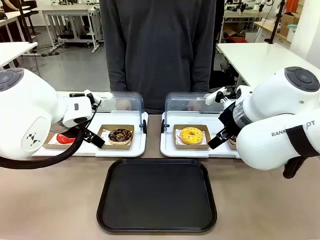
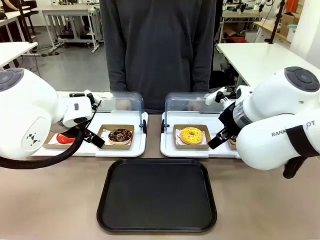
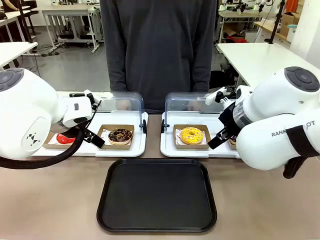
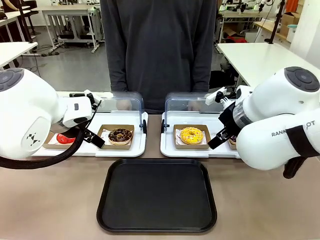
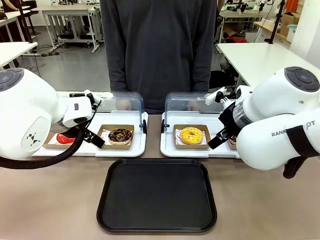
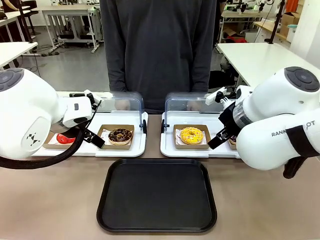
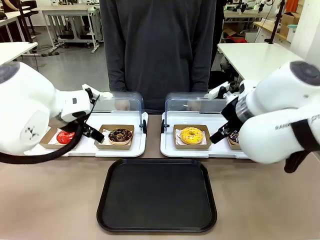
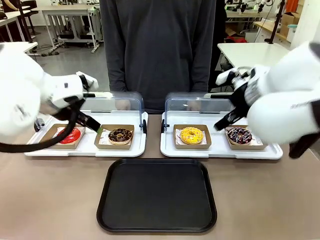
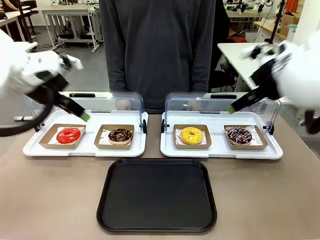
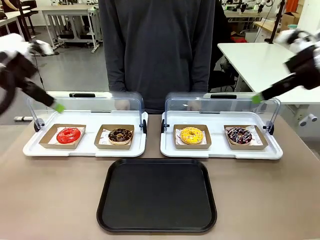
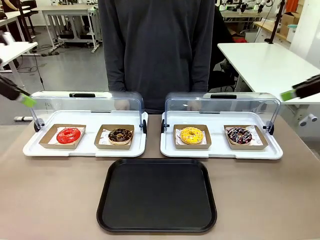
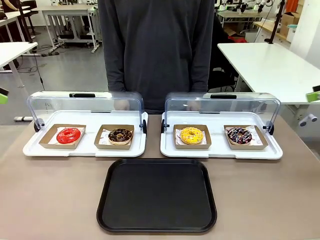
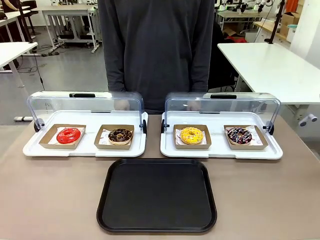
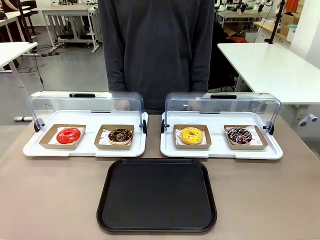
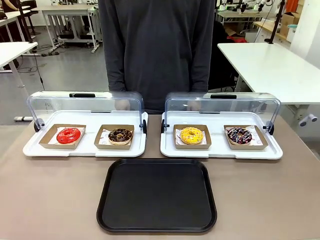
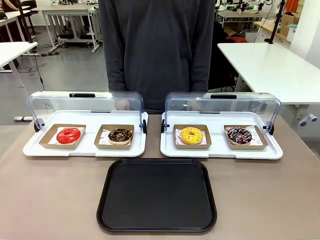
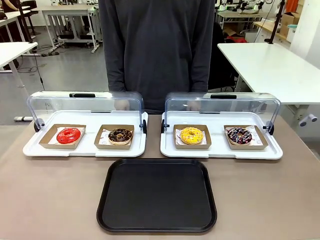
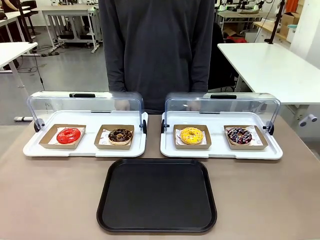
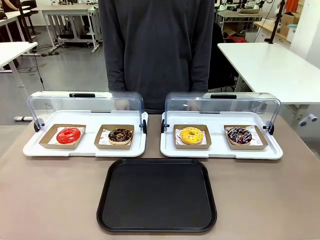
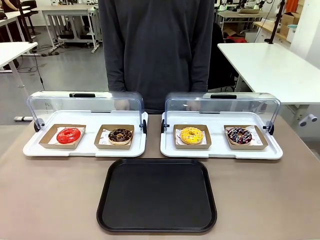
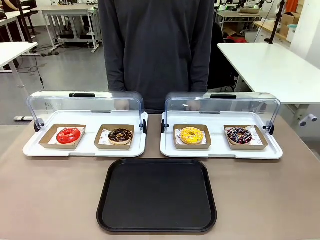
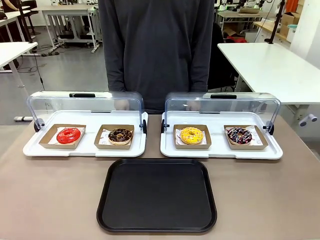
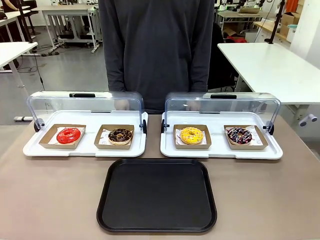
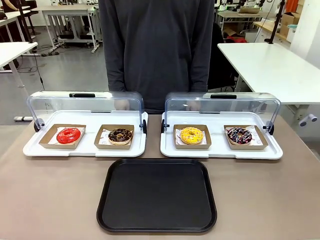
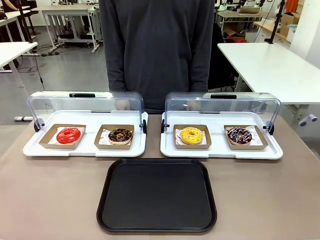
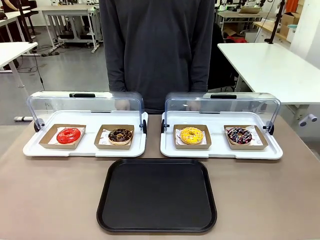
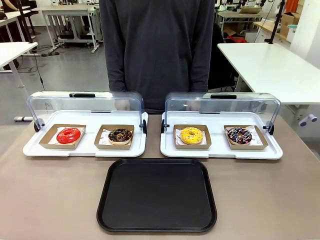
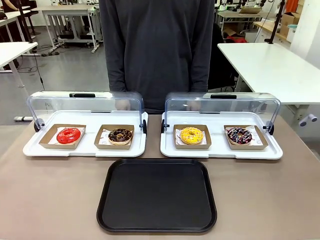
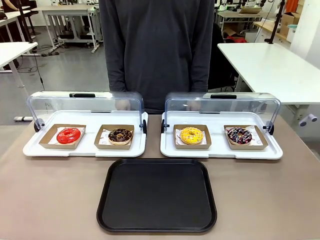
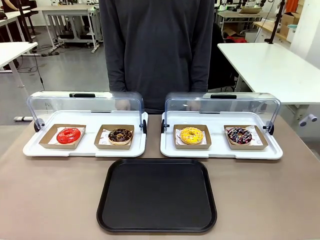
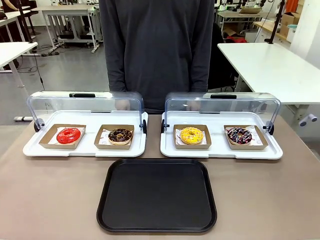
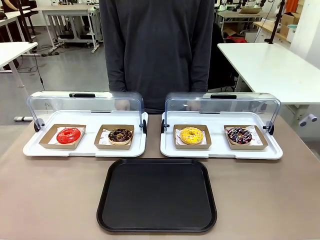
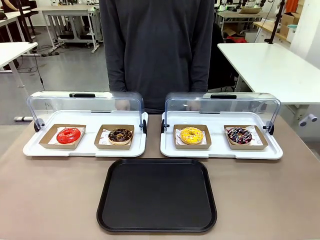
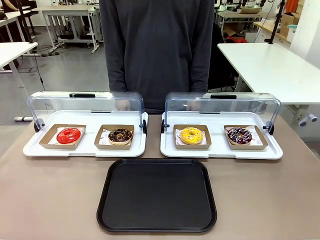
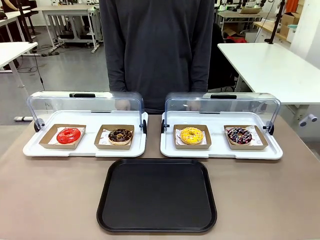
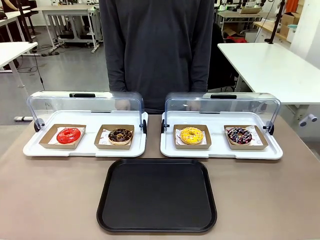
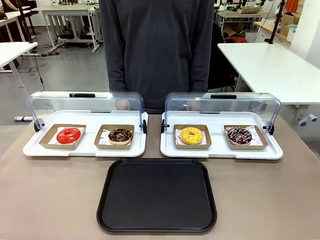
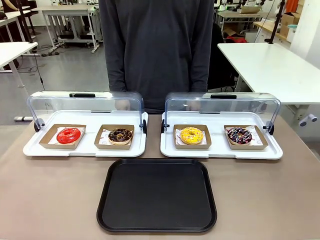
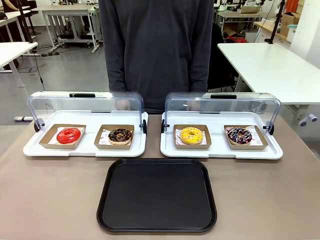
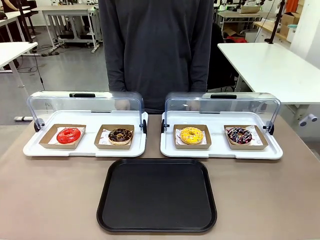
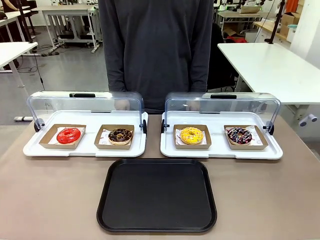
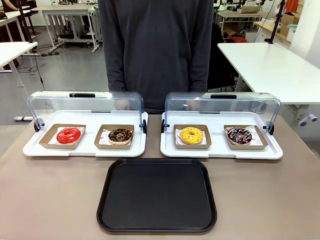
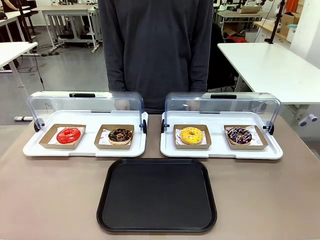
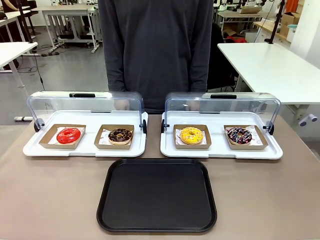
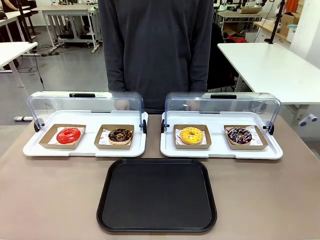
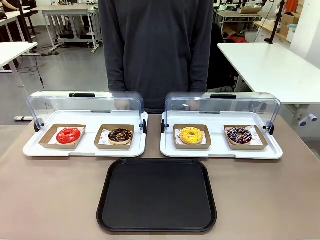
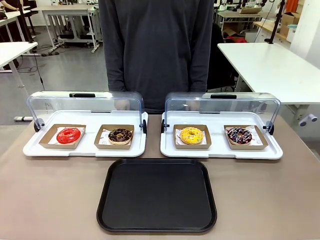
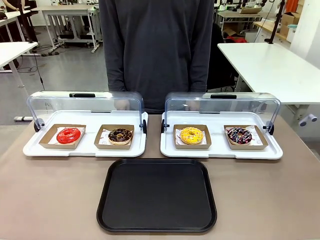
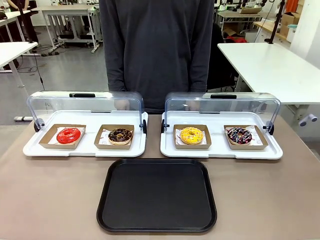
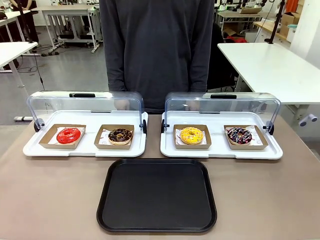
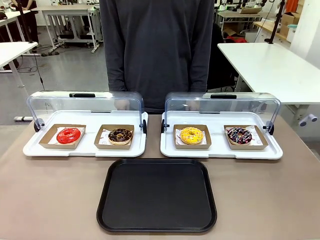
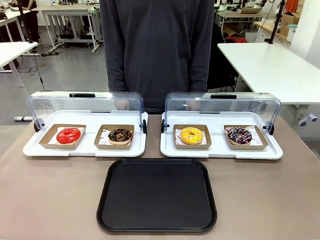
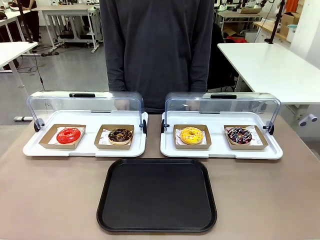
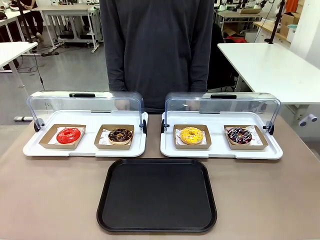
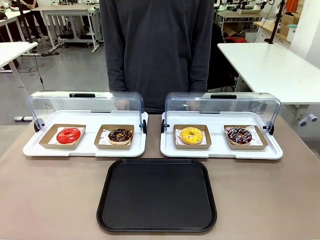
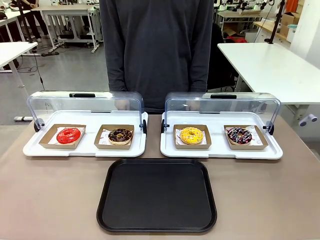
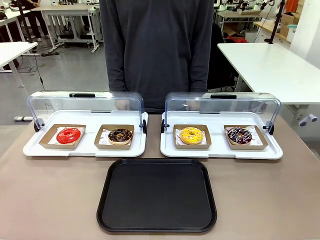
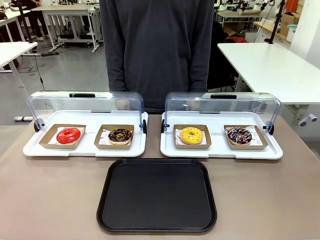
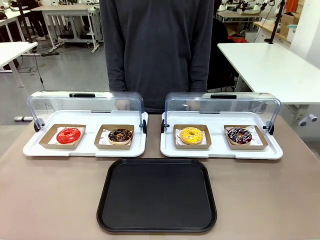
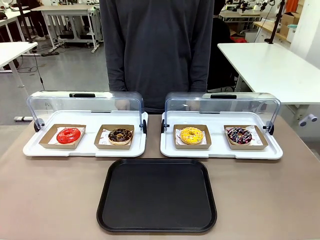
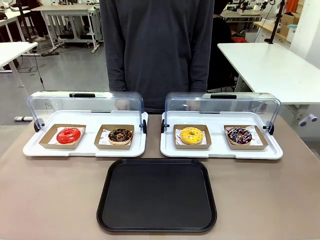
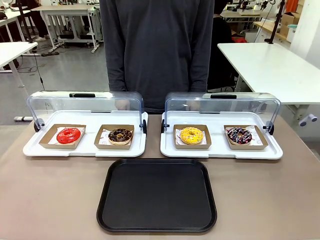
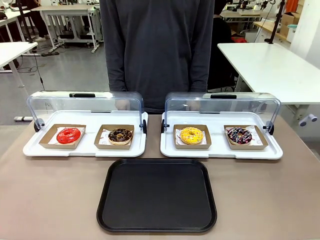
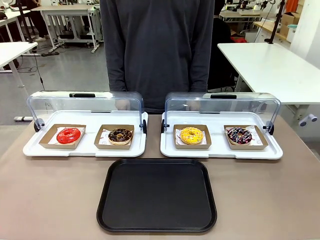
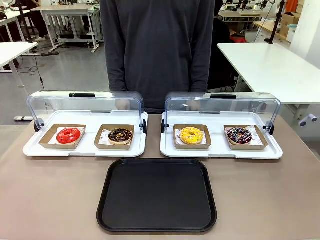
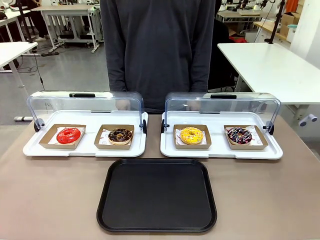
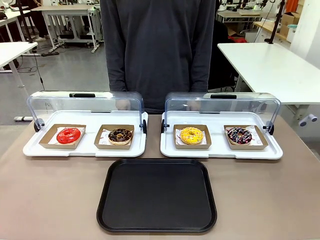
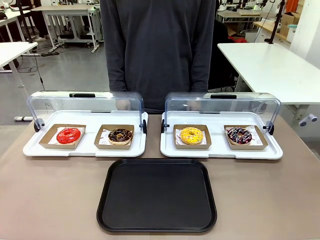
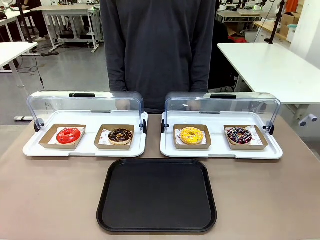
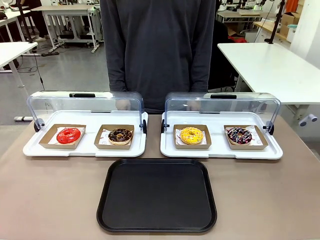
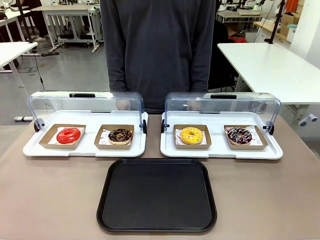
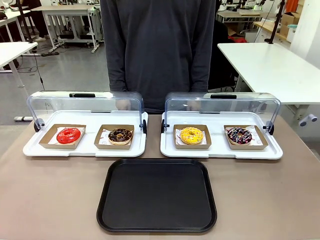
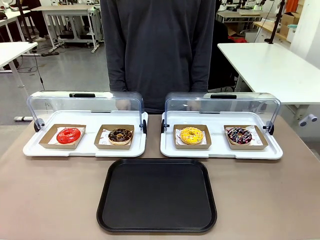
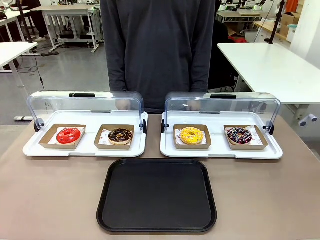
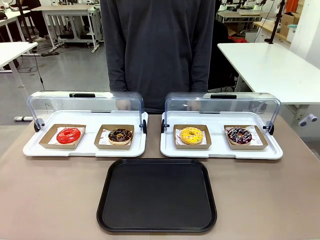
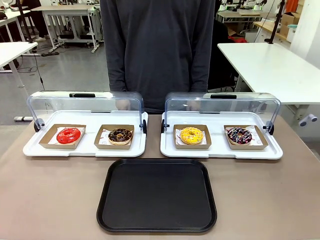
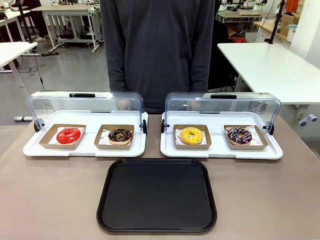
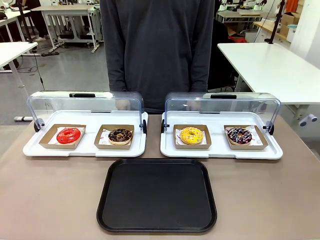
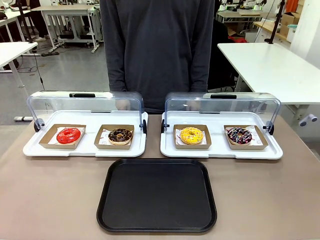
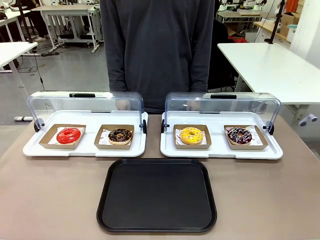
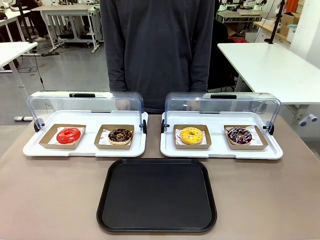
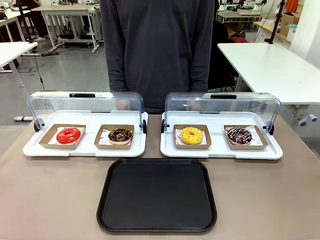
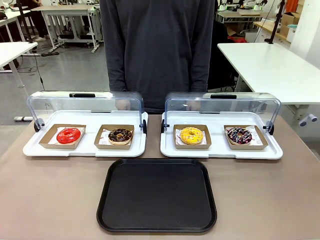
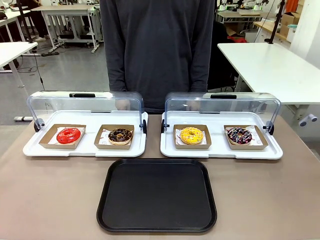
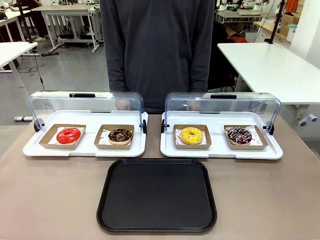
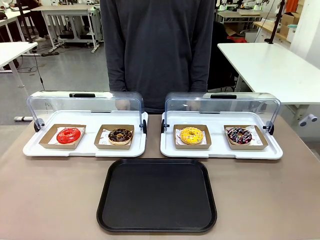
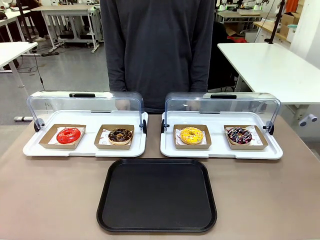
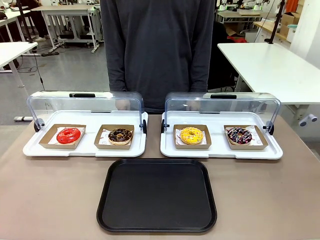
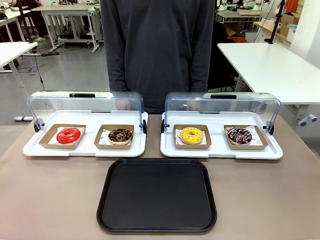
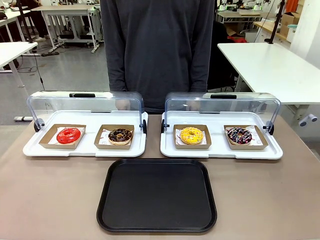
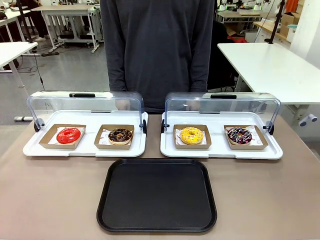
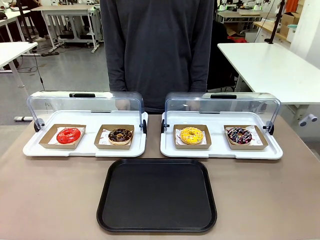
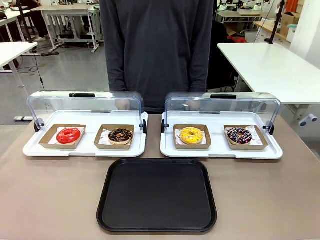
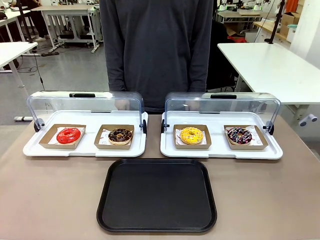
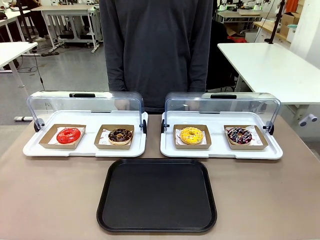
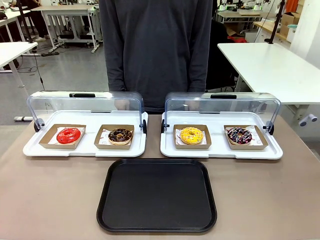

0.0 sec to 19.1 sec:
Task: Move the third donut from the left to the tray.
Robot: Pick up the Paper togo box containing the Donut indicated by the person and place it on the Handle tray.
